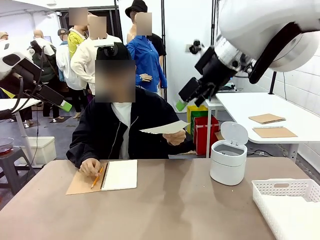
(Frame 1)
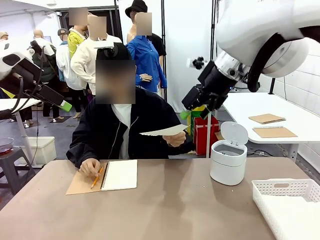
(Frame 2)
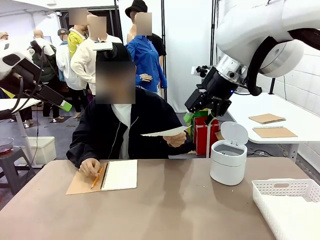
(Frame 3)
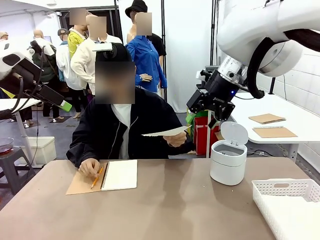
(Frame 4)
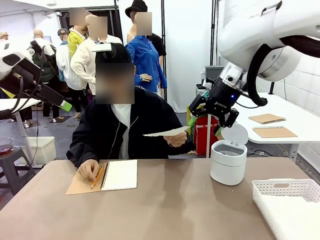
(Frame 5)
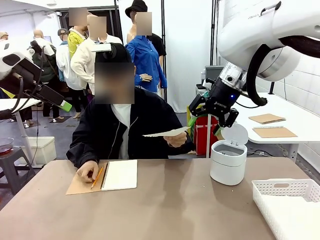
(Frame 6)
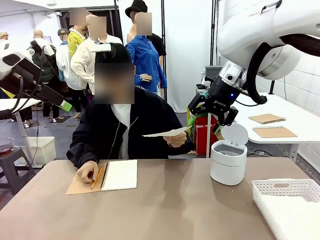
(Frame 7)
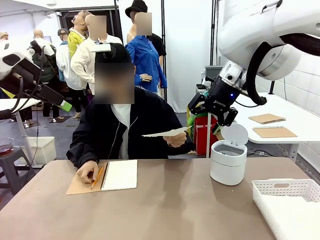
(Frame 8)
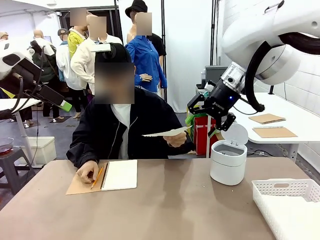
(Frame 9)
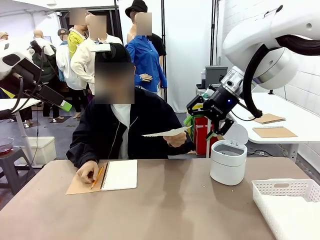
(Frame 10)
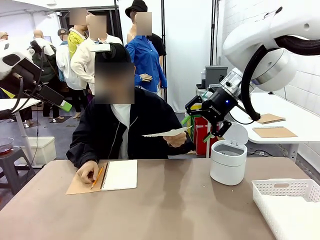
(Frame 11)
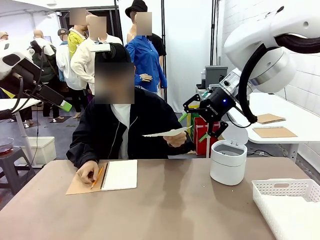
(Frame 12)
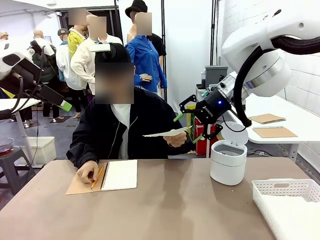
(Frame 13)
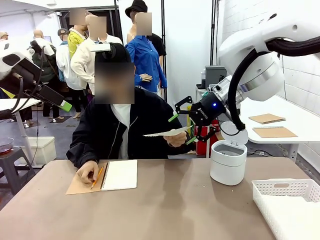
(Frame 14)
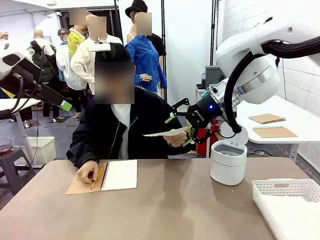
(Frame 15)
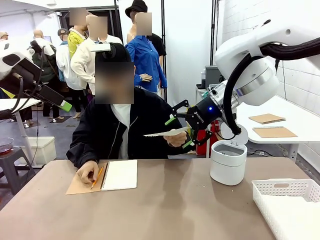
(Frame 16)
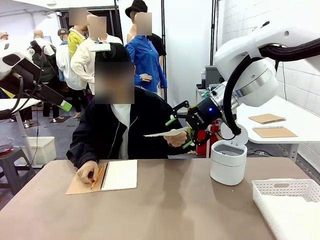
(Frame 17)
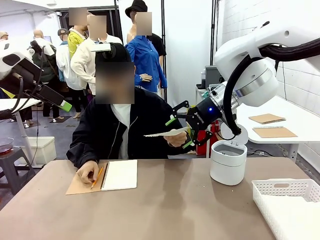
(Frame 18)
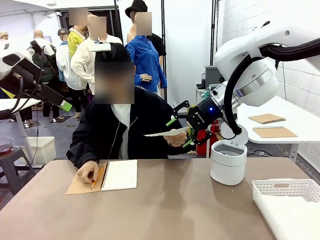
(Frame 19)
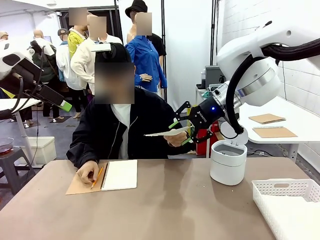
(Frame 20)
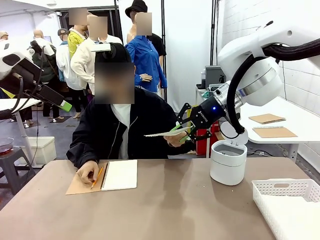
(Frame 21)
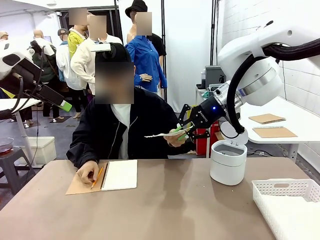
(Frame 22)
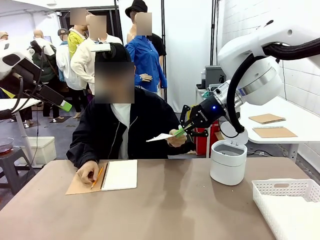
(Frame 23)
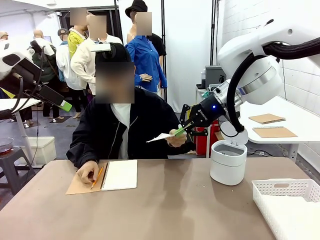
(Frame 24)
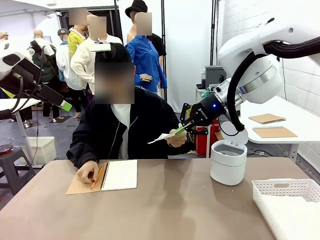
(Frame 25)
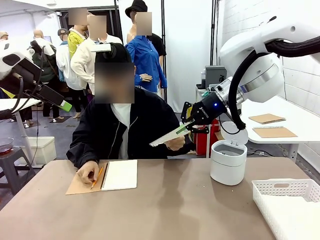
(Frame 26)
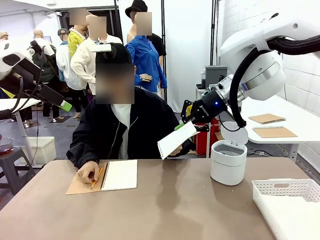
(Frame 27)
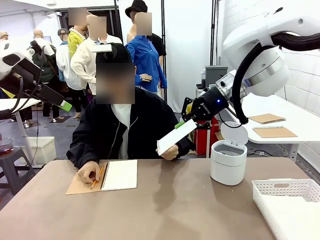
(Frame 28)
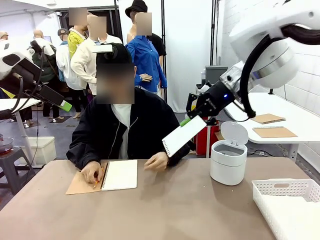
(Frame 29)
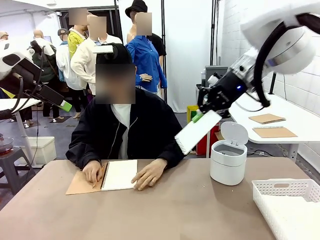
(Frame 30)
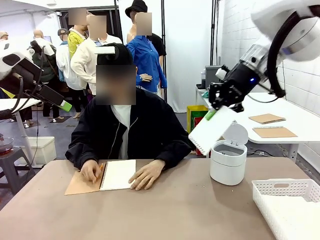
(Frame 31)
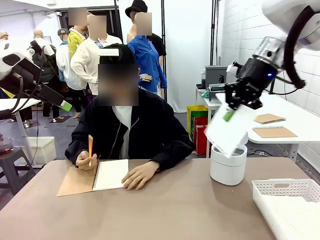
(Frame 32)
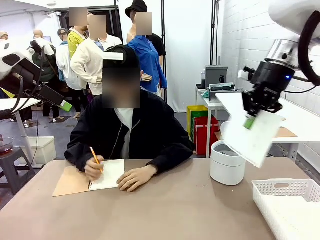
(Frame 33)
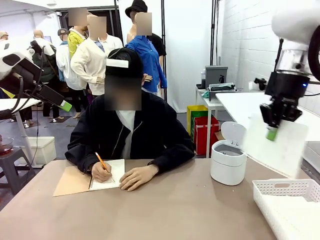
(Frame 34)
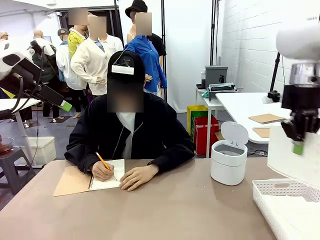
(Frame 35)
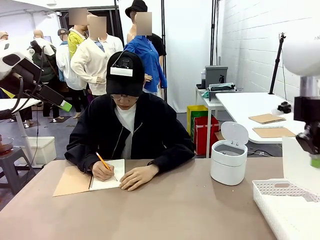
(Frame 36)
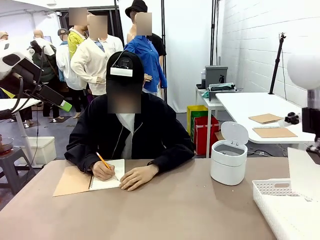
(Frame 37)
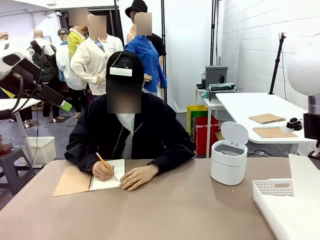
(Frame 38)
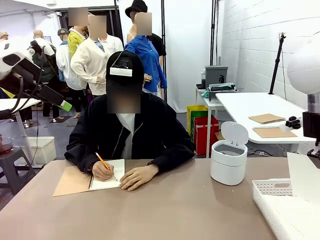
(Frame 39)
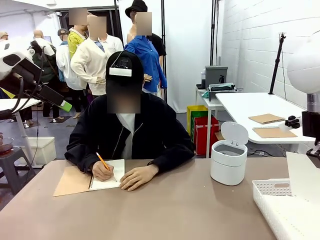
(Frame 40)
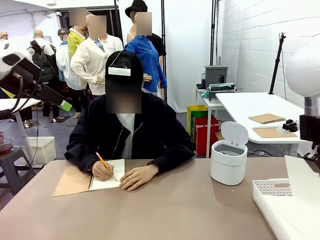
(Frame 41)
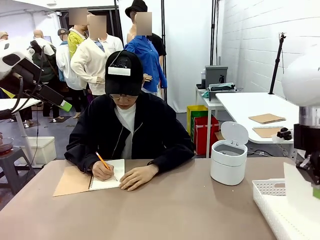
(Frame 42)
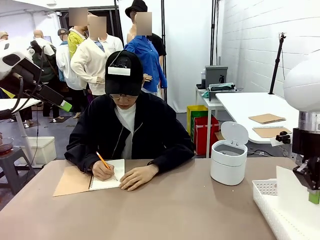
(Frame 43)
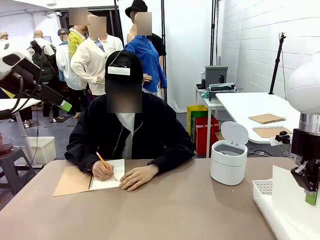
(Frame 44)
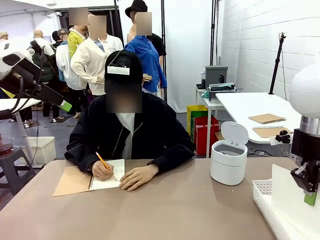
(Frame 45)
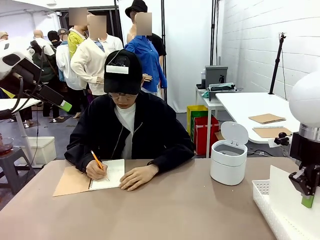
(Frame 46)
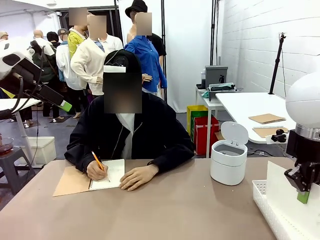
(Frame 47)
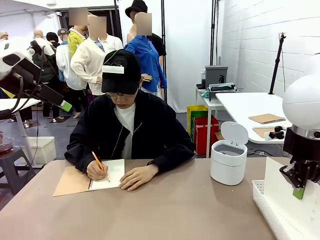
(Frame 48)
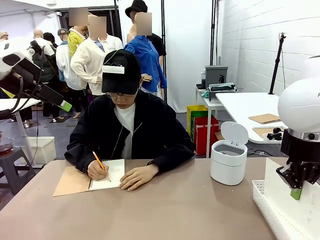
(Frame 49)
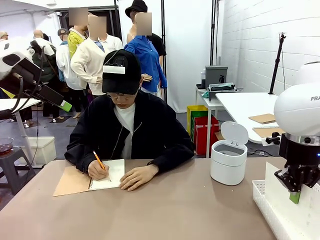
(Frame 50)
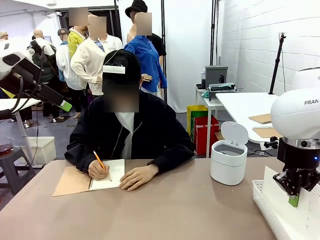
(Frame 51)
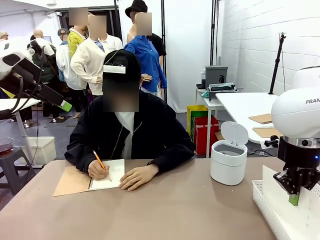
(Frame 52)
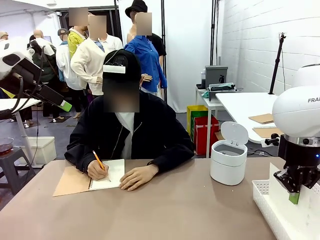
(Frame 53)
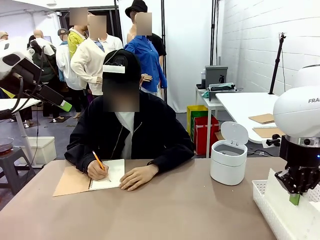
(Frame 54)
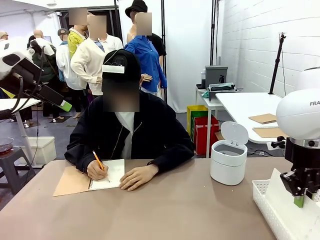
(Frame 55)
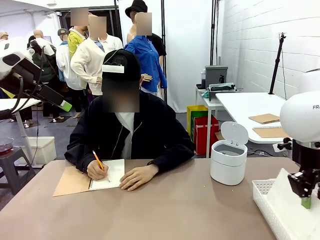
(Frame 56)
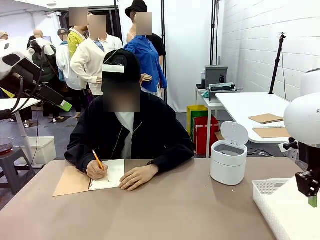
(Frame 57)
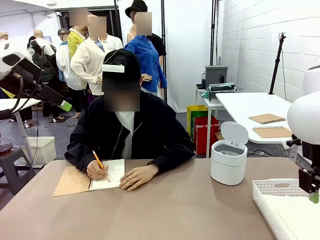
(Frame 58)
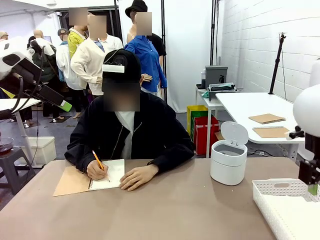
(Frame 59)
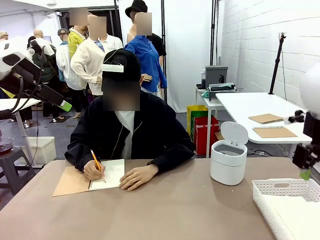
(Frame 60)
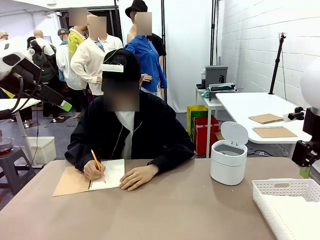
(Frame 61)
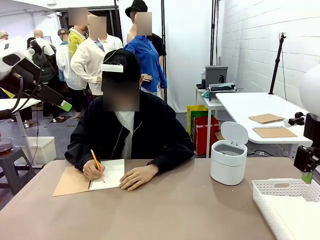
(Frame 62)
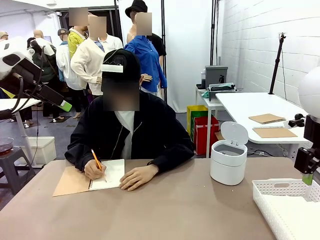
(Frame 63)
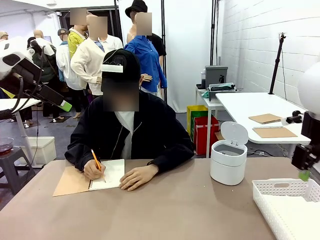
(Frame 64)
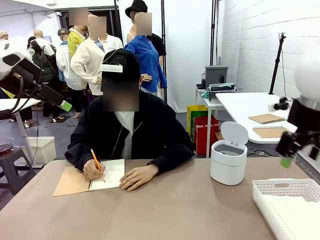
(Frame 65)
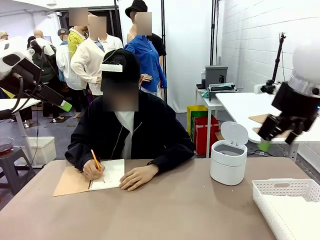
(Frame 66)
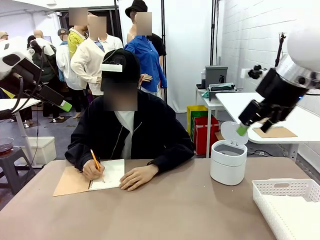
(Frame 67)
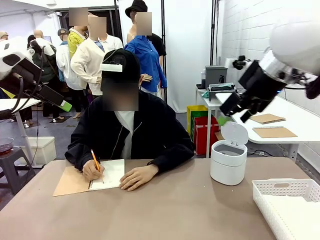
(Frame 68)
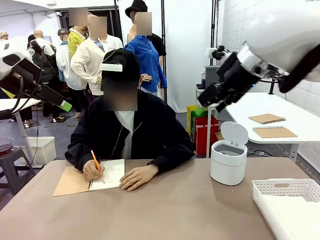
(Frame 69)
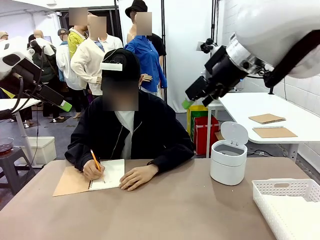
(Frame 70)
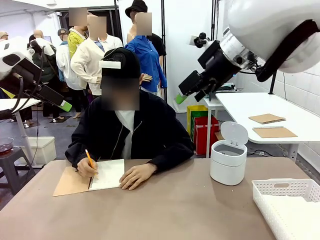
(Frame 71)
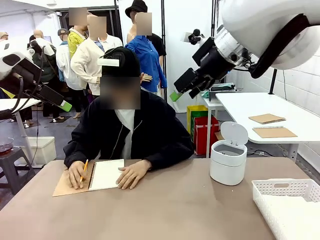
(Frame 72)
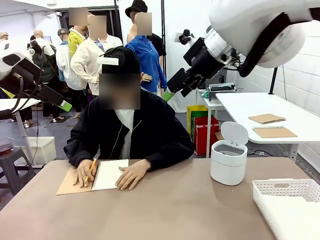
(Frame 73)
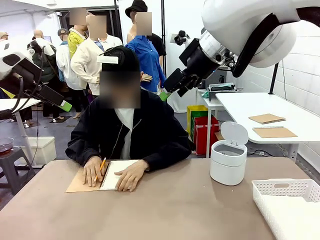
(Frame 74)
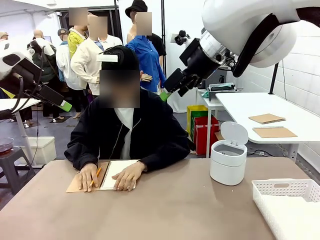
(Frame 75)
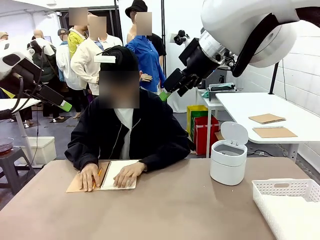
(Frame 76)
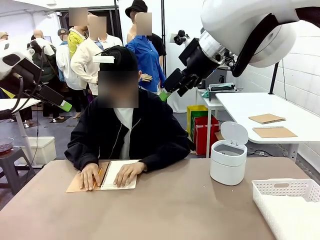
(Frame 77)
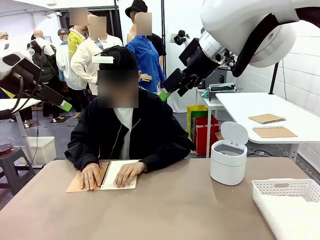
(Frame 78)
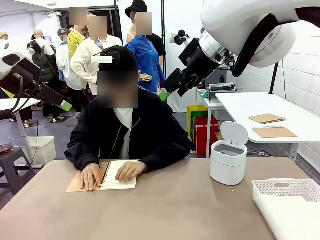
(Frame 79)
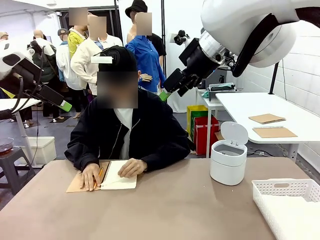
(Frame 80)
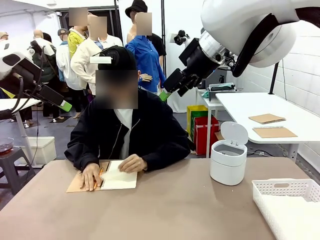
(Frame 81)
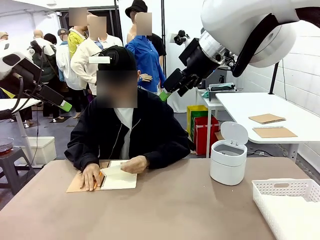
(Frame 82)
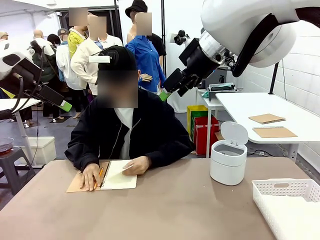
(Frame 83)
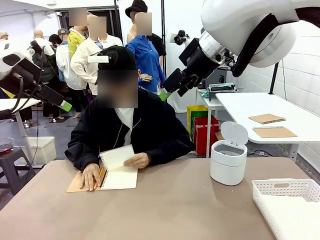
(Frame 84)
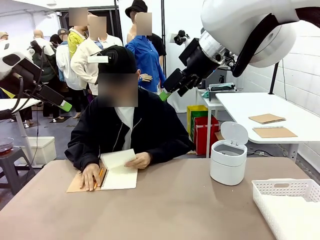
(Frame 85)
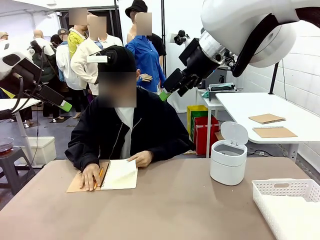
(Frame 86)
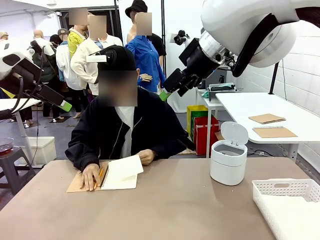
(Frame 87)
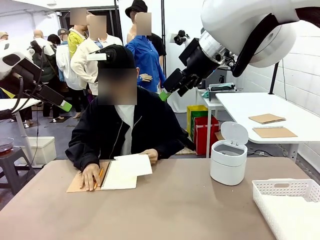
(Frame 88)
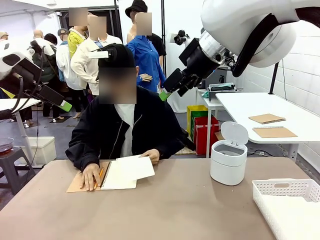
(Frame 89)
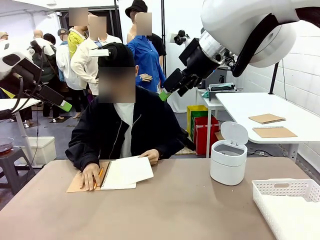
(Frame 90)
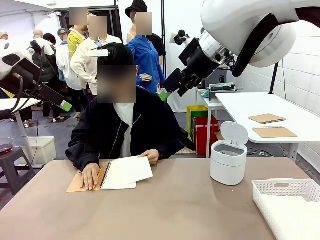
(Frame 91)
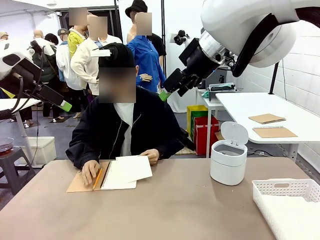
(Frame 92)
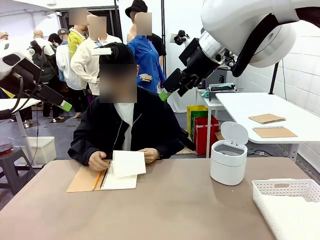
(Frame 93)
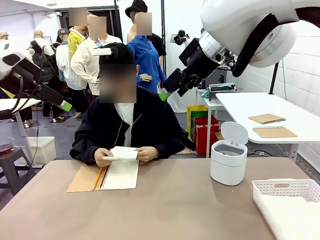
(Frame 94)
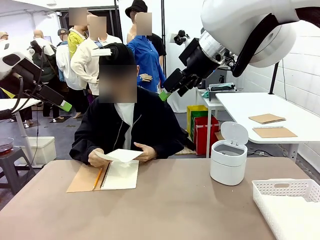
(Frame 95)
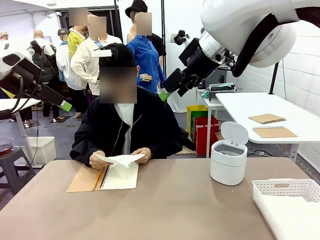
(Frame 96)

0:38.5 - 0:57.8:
Task: Sort the paper based on its condition.
Robot: If a person hands you a paper, place it in the Organizing basket , and if it's crumpled, put it in the Trash can.
Person: Tear out a page from the spiral notebook.
